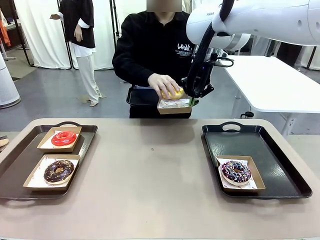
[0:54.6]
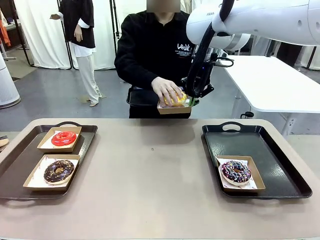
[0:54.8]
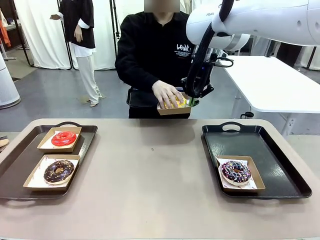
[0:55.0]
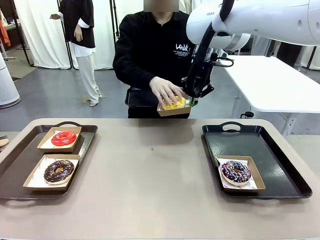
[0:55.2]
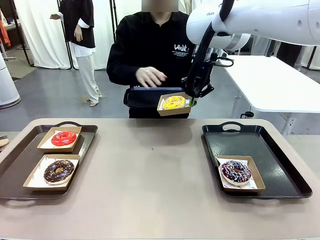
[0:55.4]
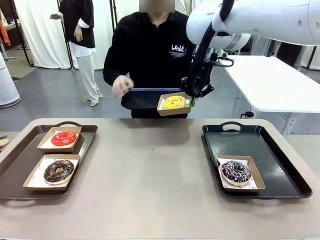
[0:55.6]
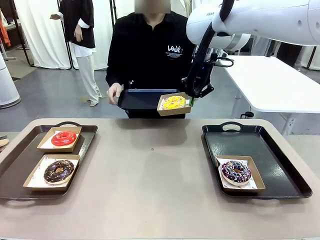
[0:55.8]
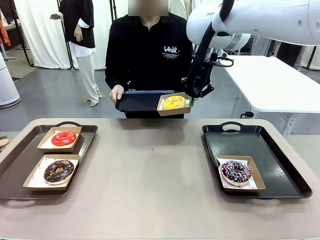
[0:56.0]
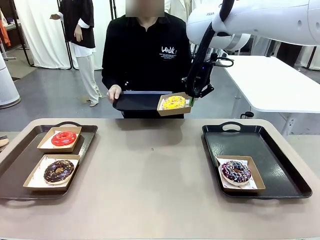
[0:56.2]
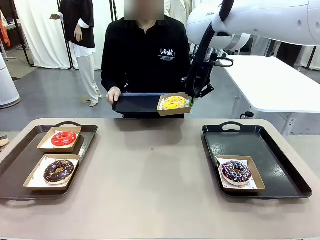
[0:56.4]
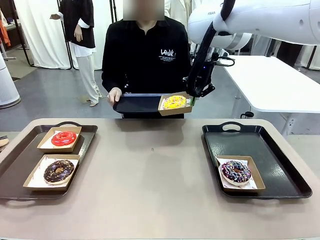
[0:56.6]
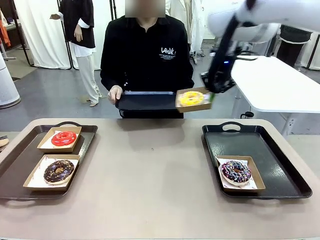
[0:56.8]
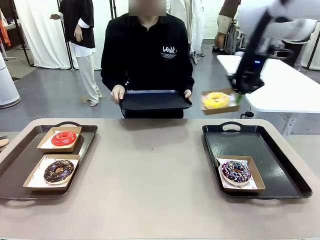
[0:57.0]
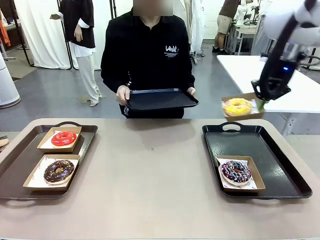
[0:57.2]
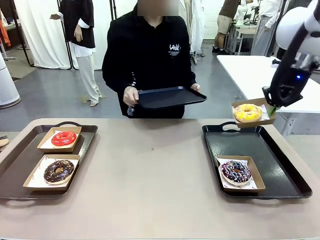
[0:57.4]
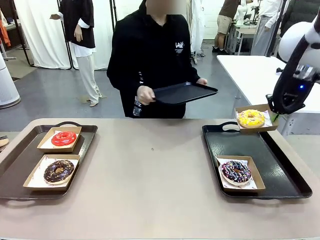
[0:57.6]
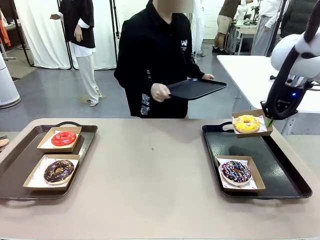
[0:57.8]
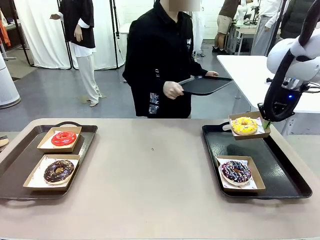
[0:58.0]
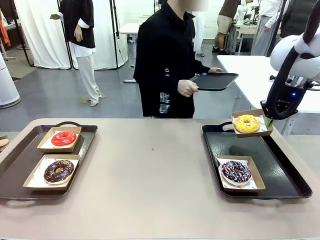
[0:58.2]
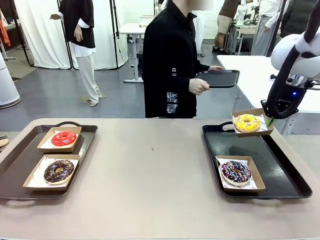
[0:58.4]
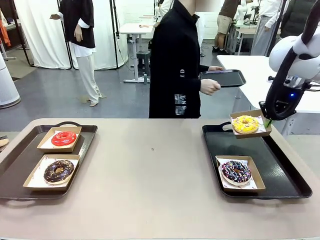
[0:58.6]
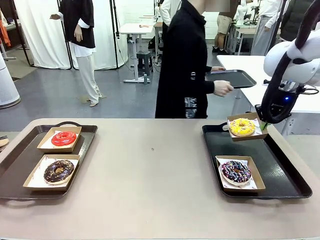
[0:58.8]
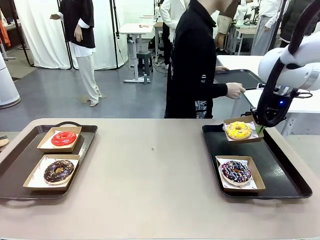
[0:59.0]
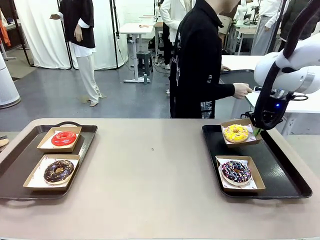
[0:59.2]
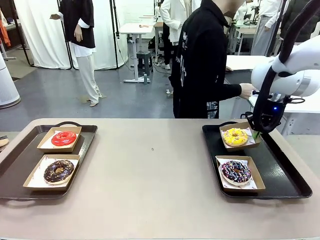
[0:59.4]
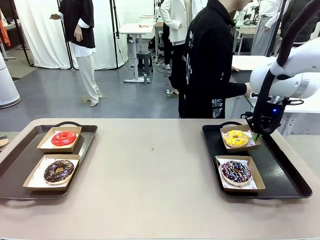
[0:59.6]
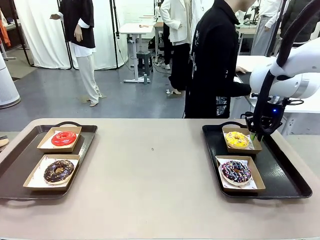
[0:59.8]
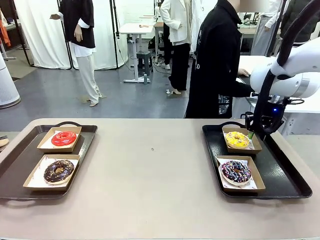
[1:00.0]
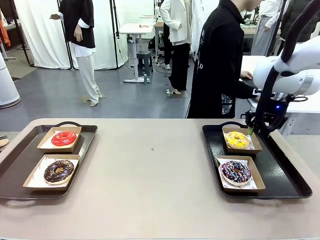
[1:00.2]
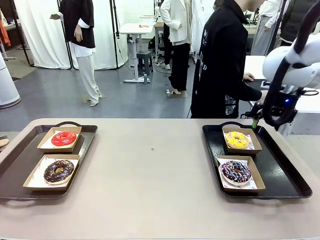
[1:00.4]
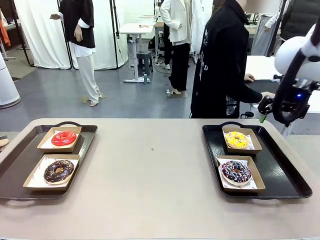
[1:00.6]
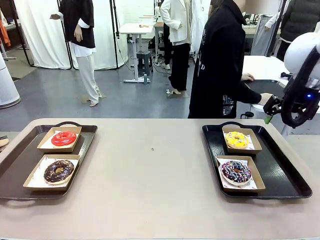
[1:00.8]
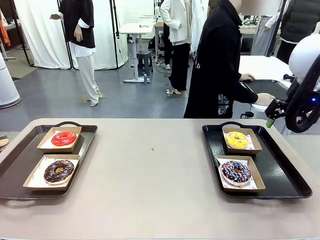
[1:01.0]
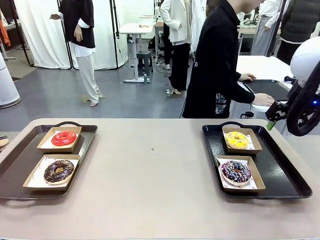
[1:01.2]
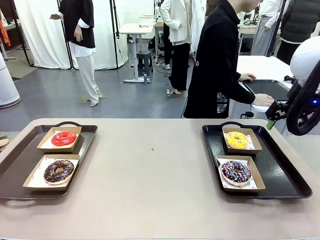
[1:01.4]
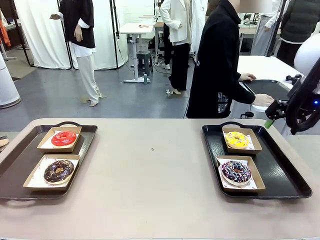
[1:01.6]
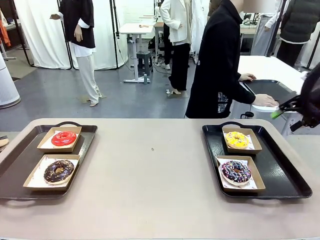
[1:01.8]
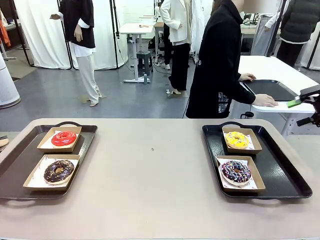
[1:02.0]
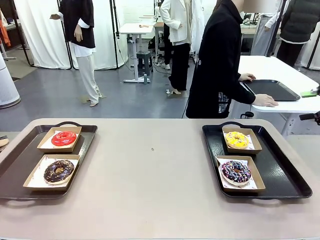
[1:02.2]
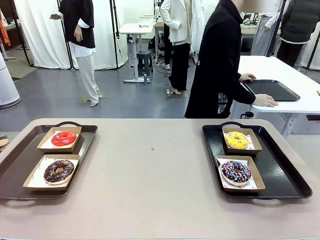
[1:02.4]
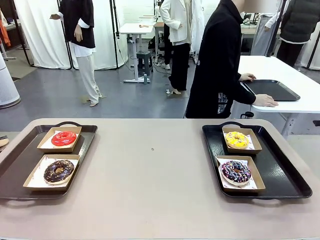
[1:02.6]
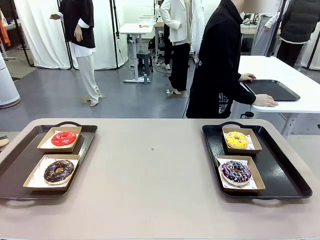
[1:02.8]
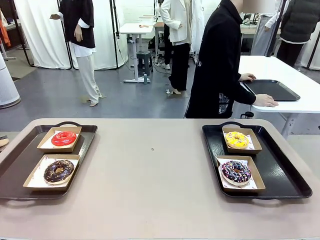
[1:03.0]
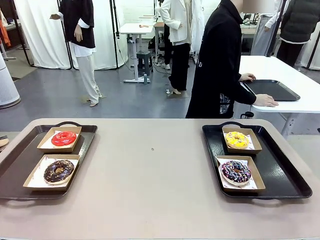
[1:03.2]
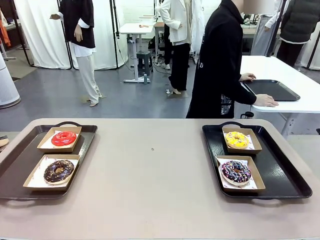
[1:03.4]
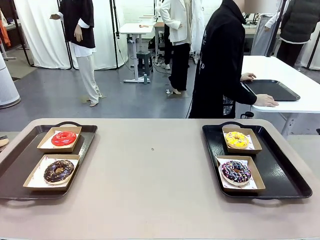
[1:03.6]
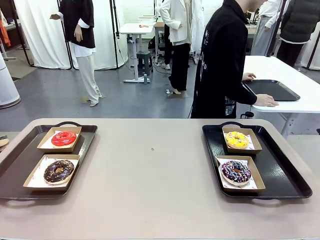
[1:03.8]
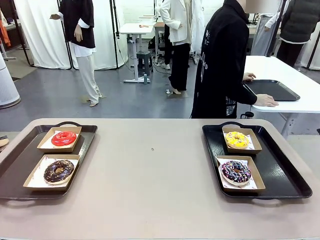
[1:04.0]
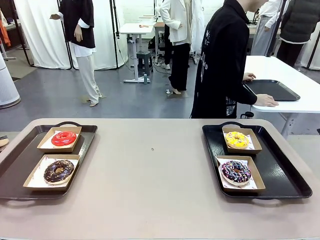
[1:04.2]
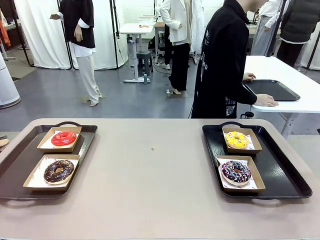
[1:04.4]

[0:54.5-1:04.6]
Task: Individually package the donuts and arrange them on the tray.
Robot: Place the picked Paper togo box on the Handle tray.
Person: Place the tray down in the middle of the human table.

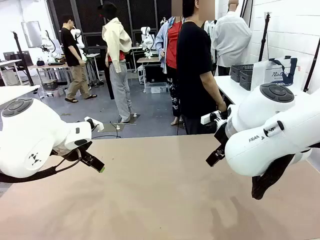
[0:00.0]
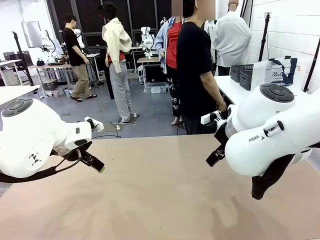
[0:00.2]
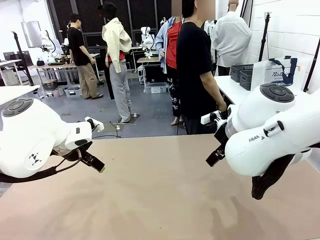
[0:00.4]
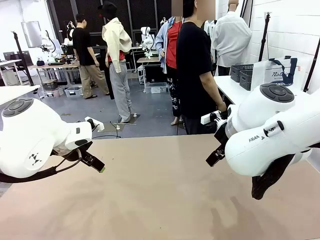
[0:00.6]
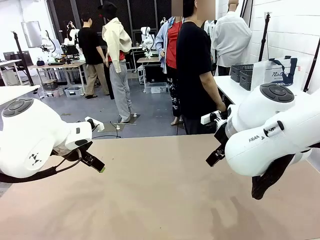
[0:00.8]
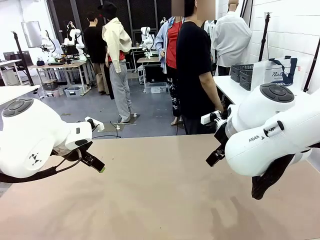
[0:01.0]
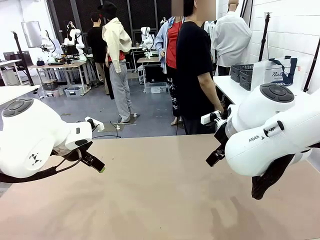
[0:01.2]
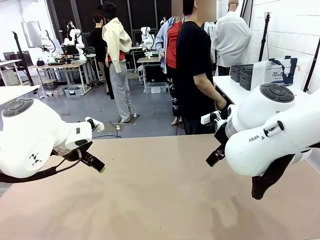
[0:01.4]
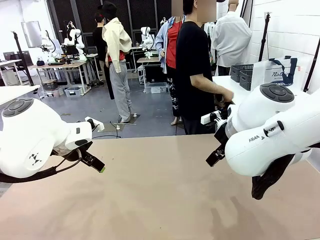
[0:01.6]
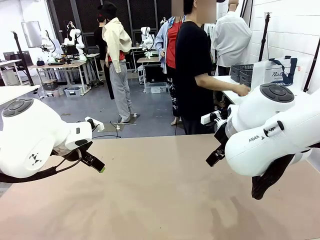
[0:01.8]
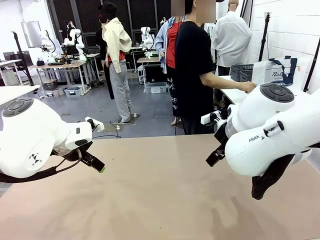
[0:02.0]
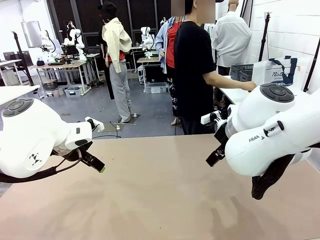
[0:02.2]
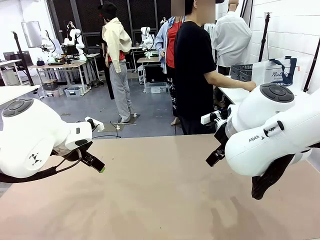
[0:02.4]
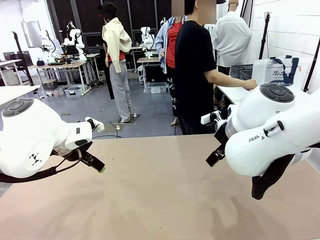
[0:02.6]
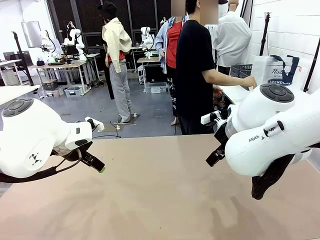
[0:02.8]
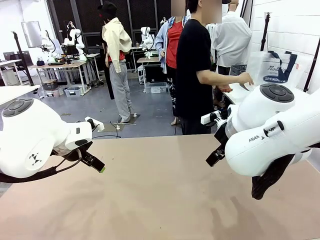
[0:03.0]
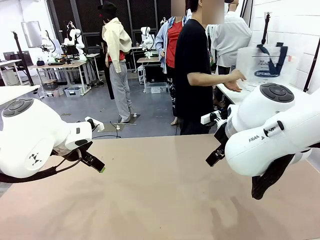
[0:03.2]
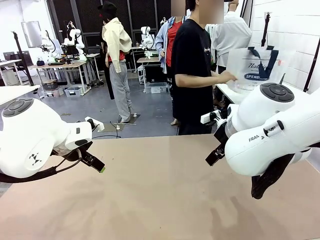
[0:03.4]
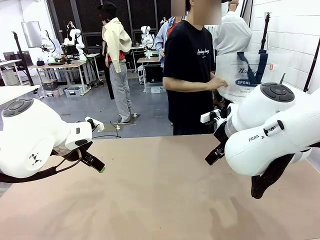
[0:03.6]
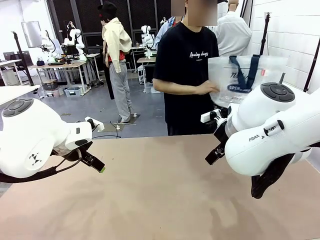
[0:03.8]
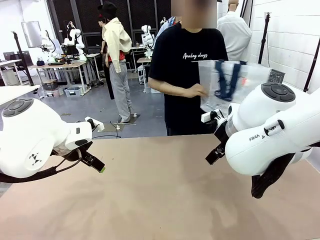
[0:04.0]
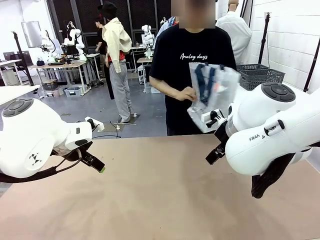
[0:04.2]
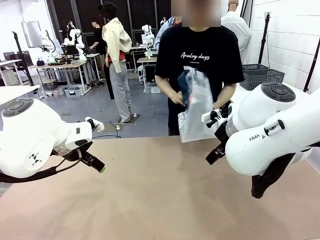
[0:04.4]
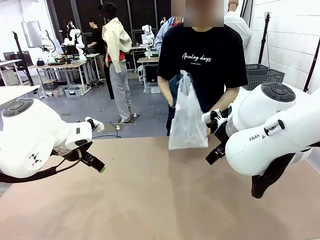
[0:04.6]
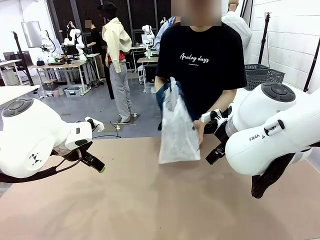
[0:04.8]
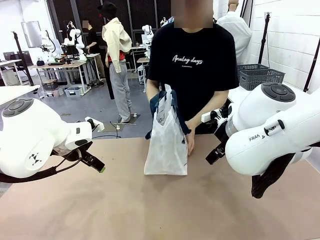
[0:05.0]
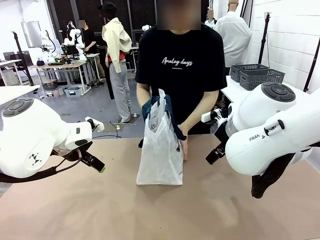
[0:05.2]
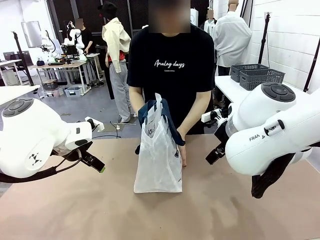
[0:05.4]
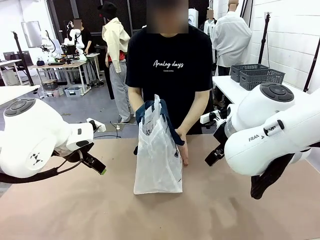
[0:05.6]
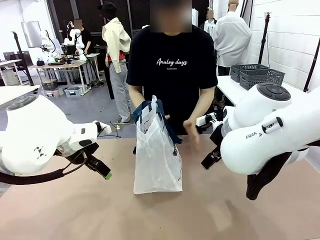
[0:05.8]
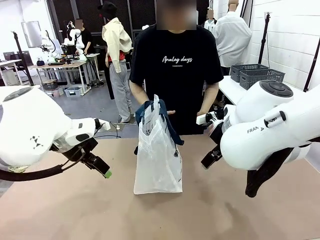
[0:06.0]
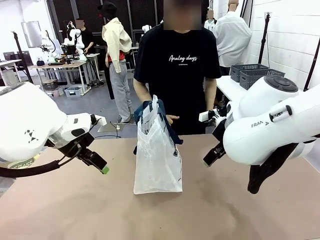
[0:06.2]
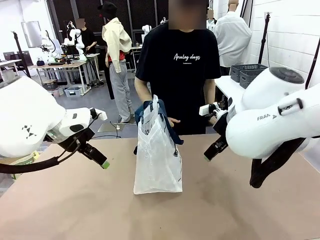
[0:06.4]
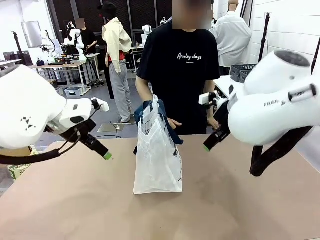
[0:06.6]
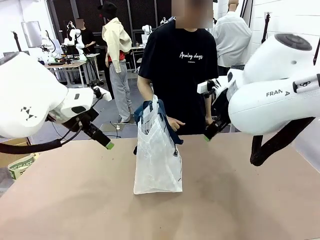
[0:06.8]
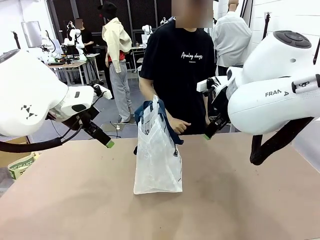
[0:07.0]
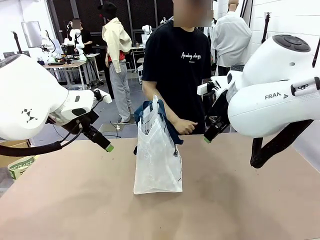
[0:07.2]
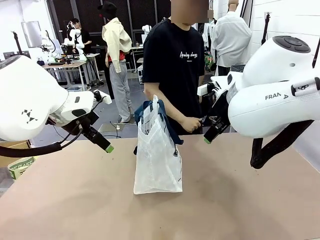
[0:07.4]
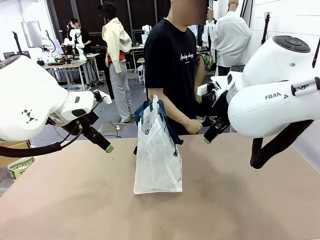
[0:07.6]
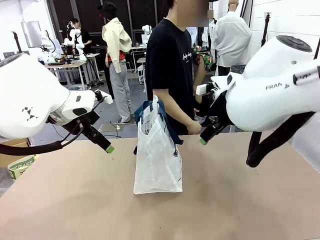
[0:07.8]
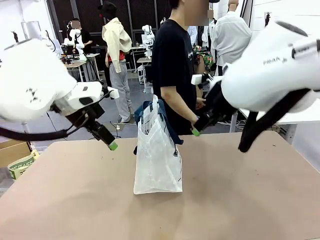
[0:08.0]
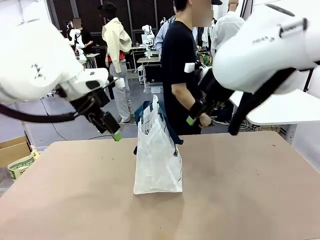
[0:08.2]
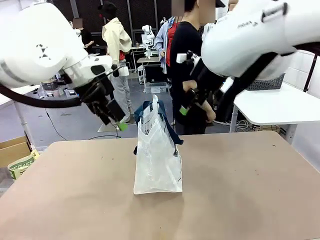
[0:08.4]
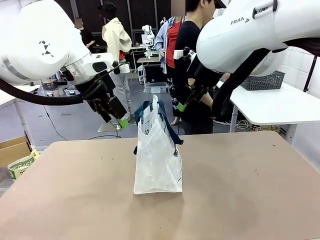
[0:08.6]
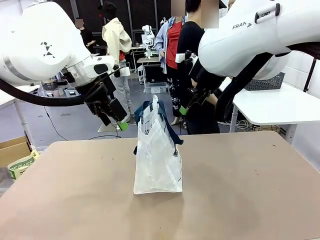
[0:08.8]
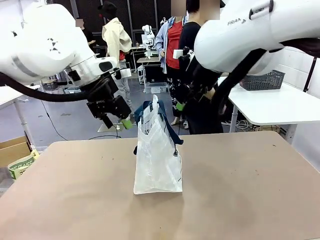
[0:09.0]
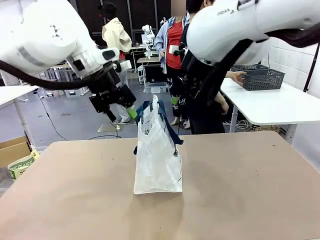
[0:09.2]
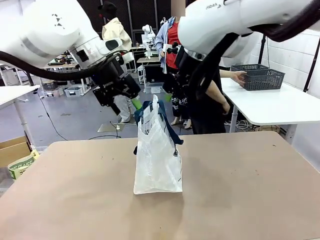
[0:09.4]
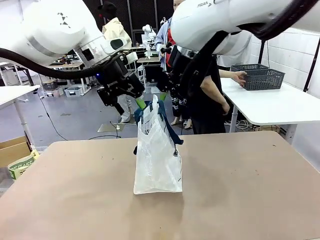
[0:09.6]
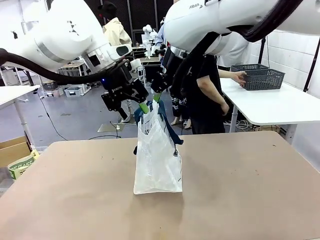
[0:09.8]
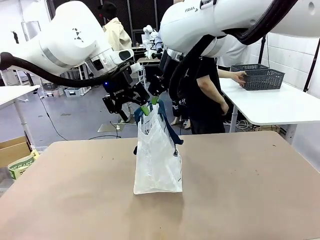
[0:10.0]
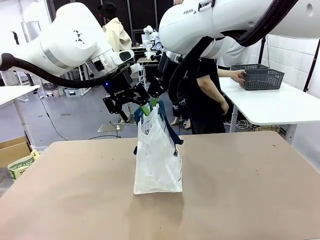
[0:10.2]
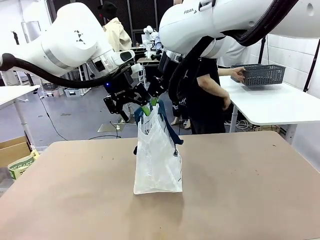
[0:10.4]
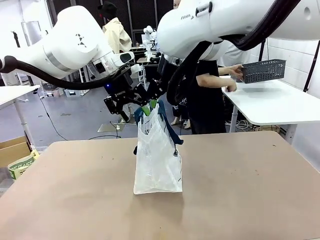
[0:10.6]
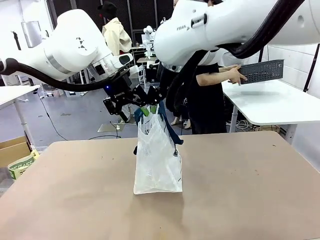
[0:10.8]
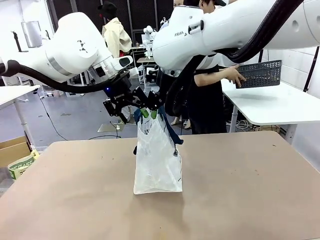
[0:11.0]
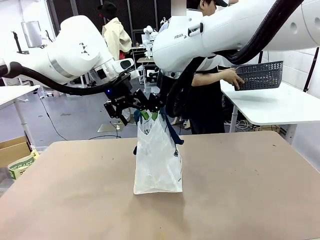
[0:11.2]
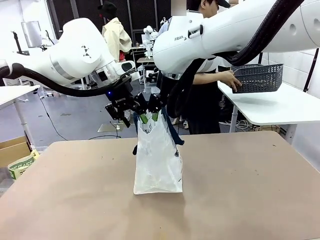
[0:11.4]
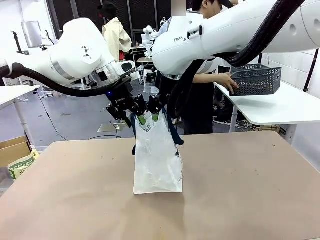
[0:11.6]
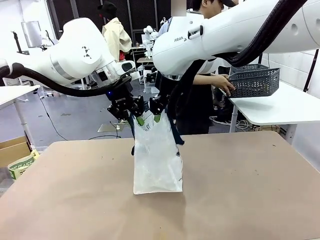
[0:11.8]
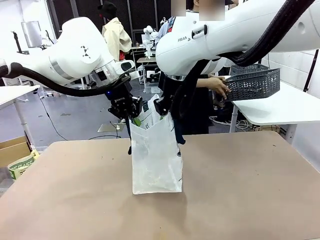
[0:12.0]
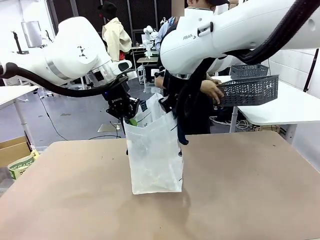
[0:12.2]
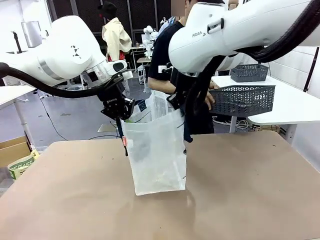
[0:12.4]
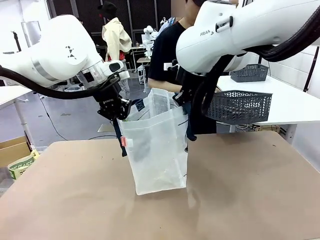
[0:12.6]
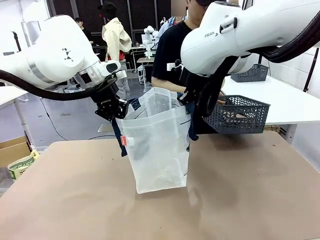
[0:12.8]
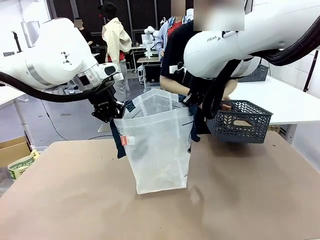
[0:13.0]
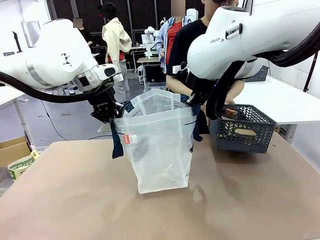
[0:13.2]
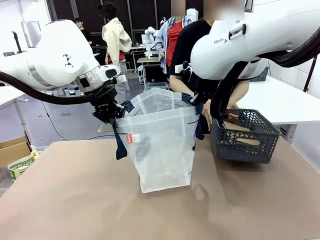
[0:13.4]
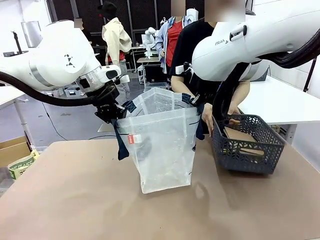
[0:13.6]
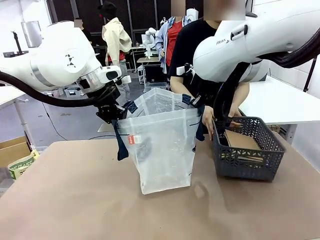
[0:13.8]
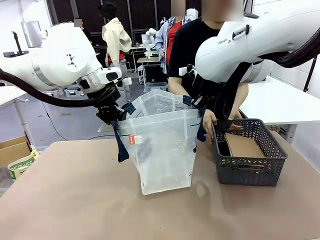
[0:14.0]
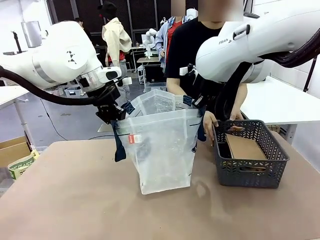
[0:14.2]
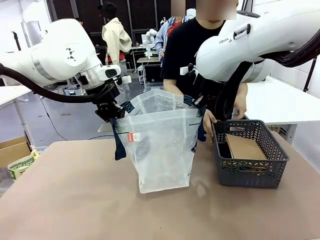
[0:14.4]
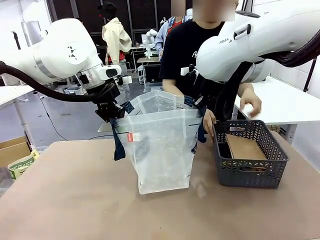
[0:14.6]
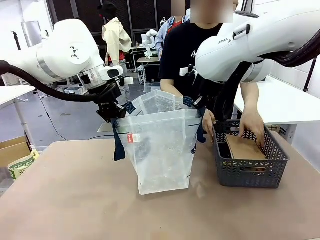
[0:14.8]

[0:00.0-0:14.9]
Task: Transfer purchased items from the store into the shopping bag.
Robot: Open the Reusable shopping bag in the center of the table.
Person: Pick up the shopping bag and place it in the middle of the robot table.
